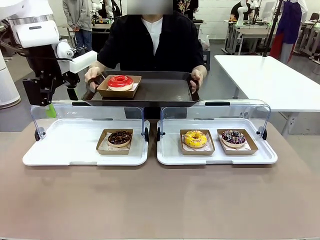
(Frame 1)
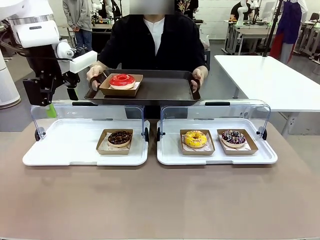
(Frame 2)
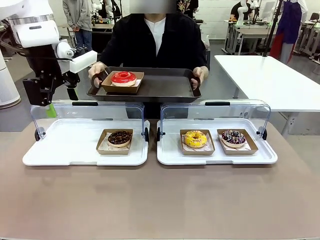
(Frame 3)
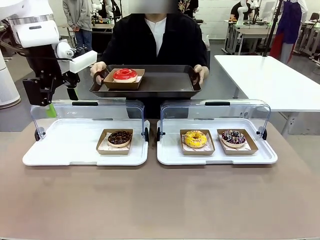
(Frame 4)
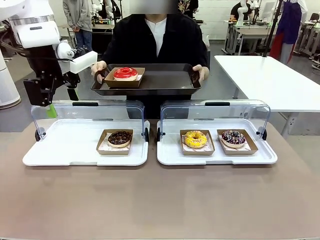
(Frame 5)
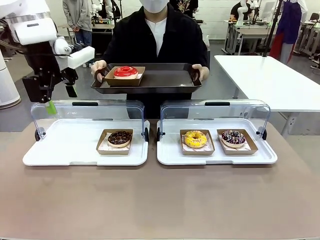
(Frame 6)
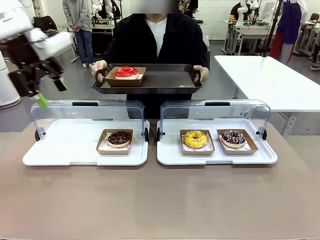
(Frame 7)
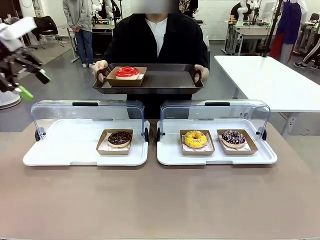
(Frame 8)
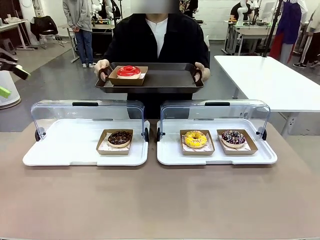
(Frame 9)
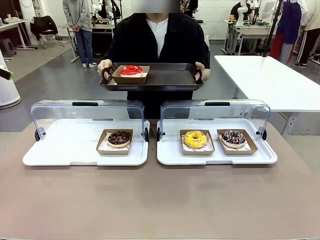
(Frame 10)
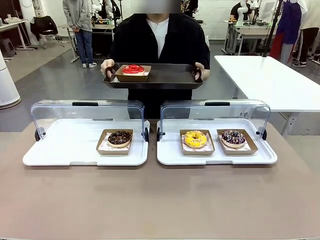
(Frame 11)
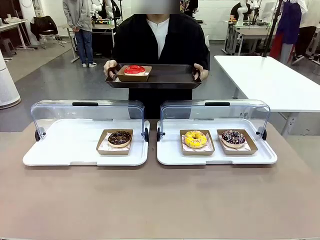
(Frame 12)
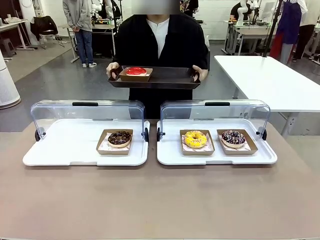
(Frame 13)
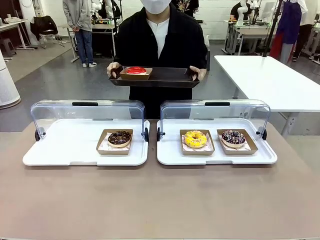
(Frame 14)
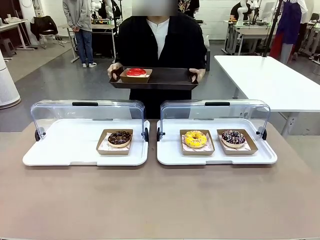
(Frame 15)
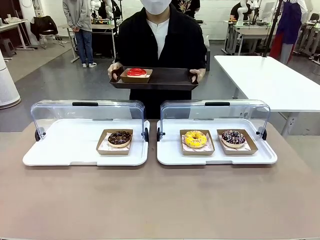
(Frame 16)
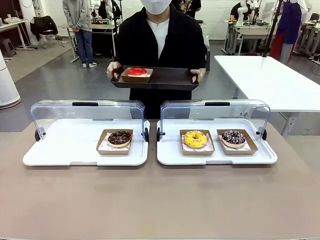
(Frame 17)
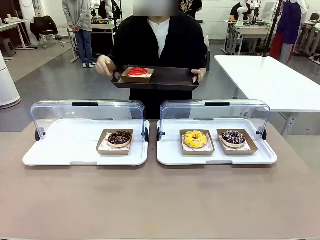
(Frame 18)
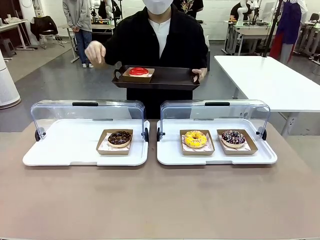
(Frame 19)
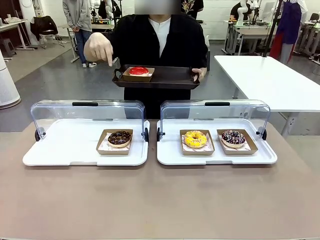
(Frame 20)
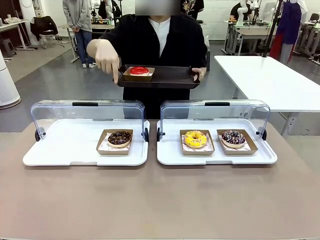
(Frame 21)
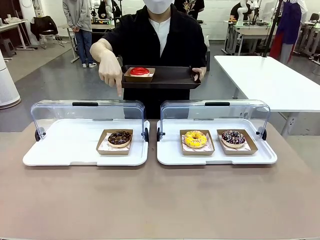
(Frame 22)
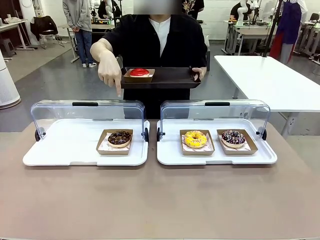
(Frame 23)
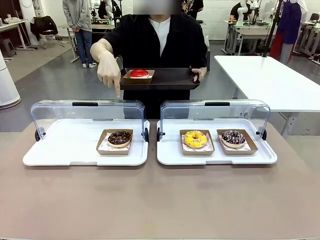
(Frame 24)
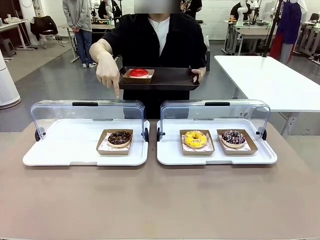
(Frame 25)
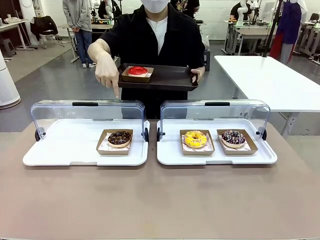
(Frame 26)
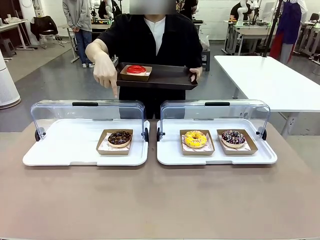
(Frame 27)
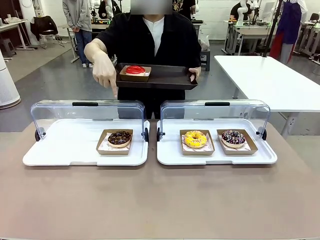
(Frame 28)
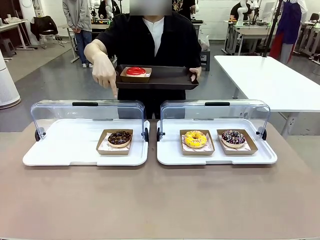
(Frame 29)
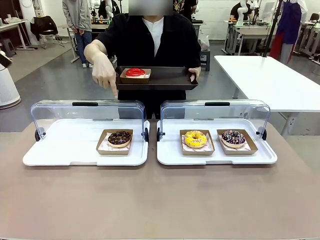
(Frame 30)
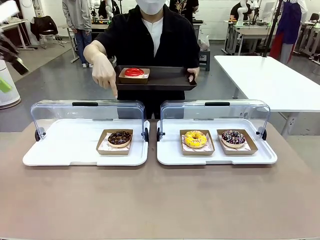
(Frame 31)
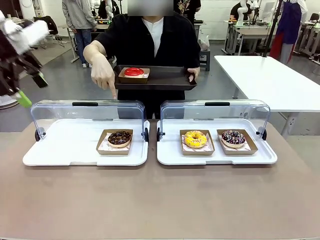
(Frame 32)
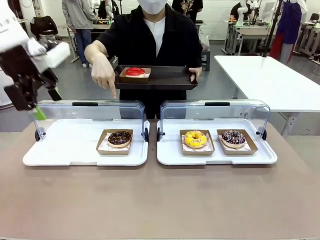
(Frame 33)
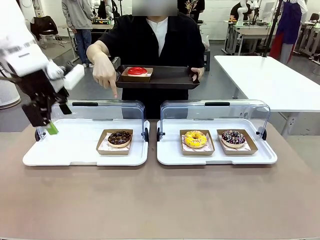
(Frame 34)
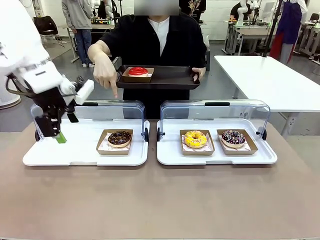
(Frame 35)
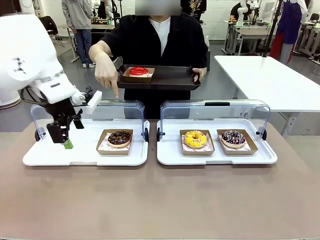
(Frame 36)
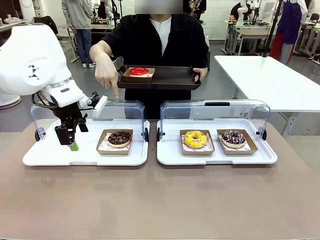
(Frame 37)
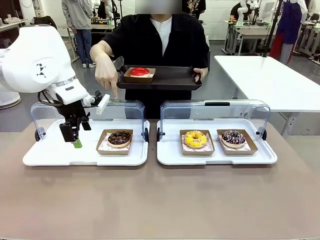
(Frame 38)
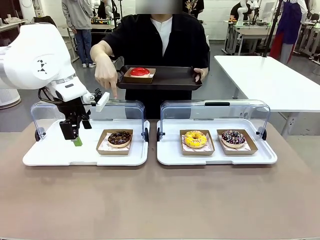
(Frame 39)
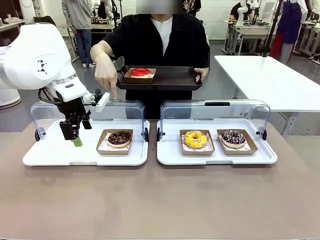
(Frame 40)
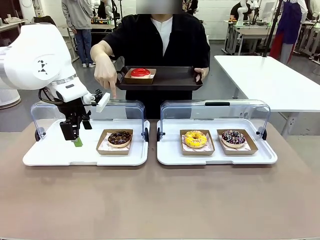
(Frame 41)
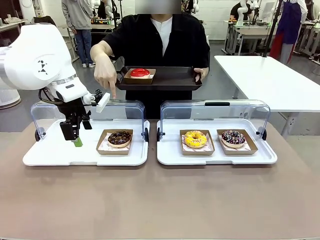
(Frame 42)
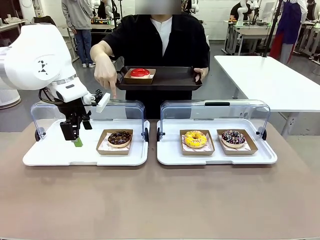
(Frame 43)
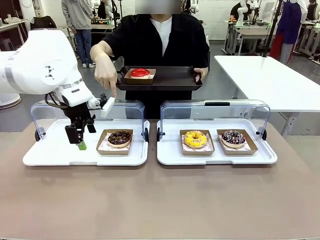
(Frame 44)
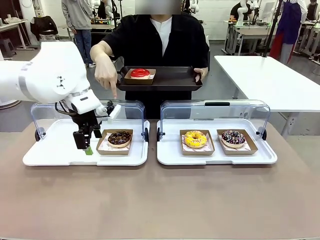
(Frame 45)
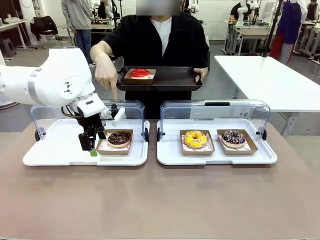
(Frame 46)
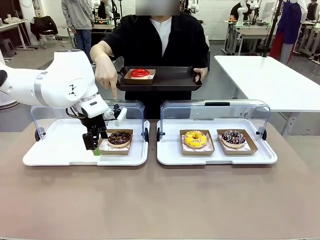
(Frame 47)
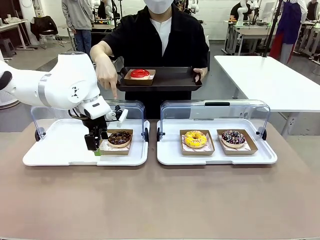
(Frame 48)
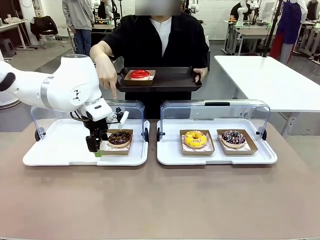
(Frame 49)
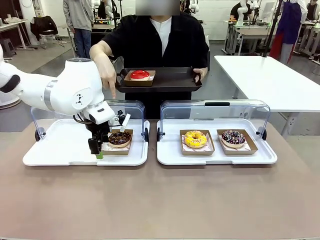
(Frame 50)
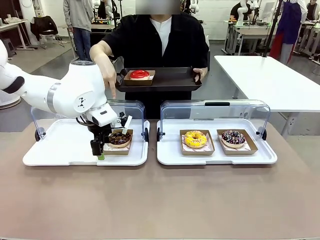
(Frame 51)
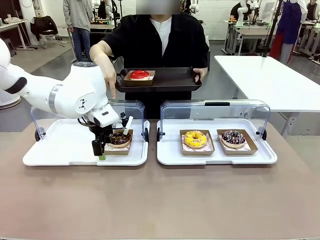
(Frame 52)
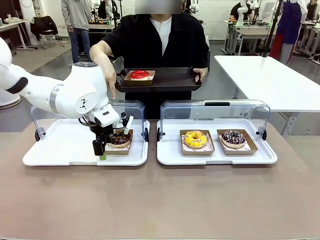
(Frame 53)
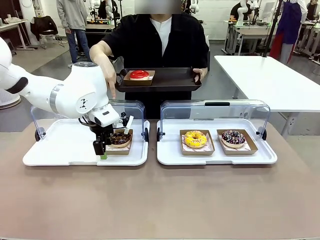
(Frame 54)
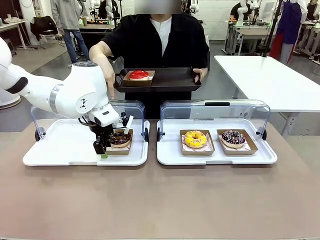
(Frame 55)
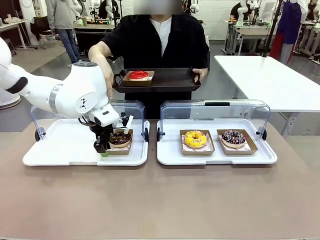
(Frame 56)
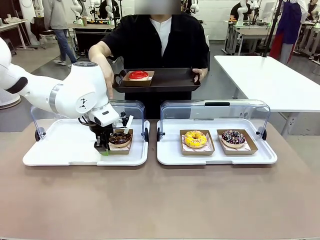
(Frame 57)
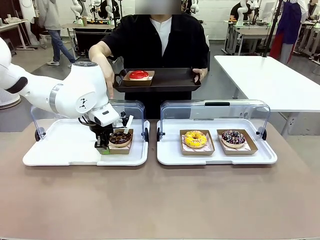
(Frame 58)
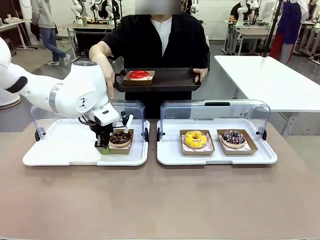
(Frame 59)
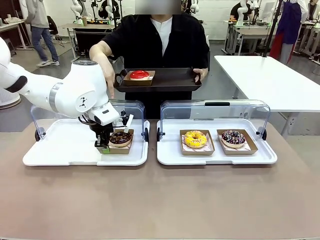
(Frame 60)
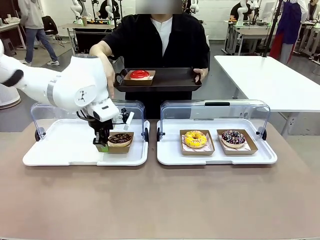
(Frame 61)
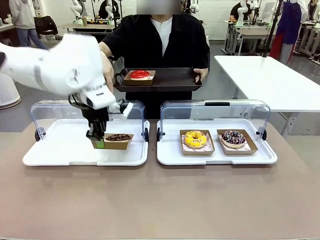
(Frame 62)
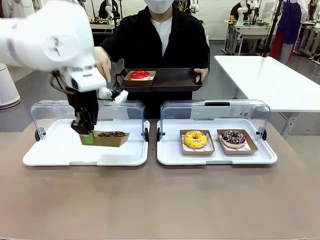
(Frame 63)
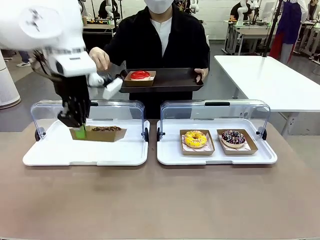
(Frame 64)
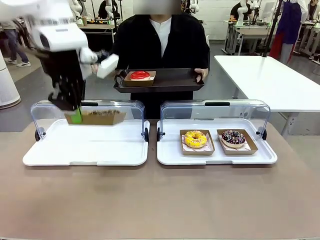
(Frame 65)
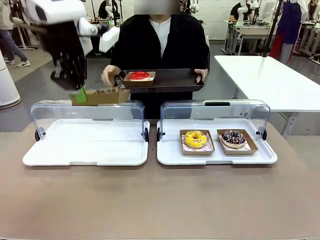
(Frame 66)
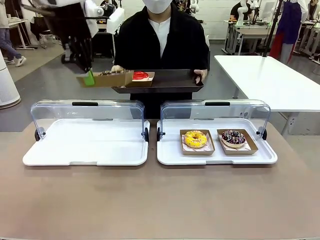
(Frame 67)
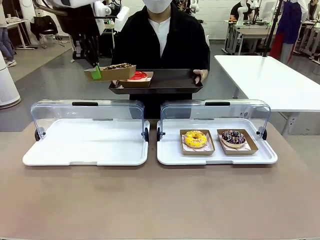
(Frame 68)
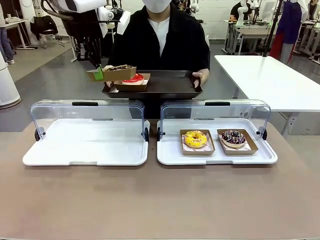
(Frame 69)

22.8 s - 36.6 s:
Task: Provide the desired donut to the person.
Robot: Pick up and lift the Paper togo box containing the Donut pointed at by the person.
Person: Point to one donut. Lift the tray onto the Roll-Top Bakery Case.

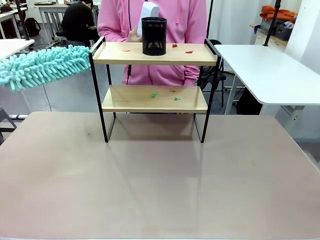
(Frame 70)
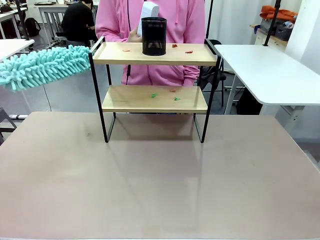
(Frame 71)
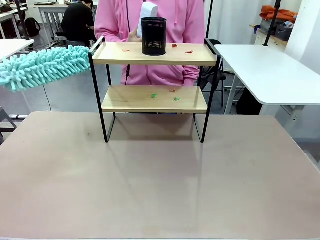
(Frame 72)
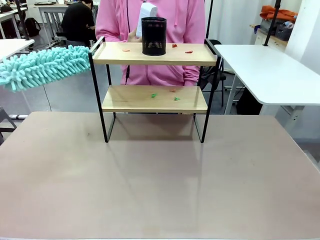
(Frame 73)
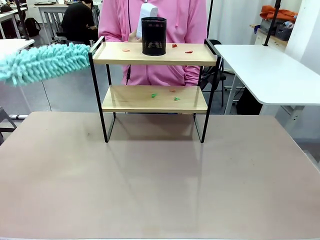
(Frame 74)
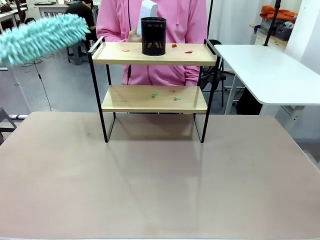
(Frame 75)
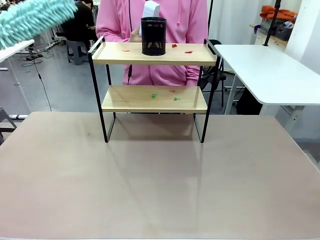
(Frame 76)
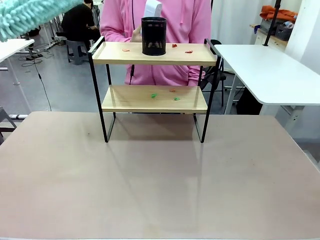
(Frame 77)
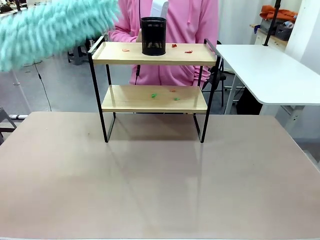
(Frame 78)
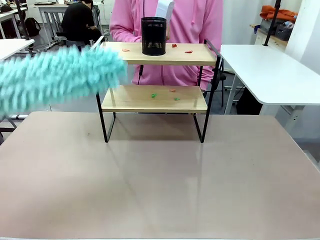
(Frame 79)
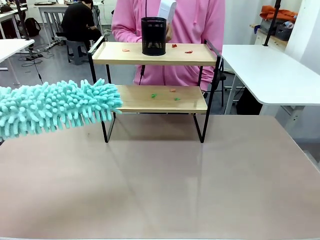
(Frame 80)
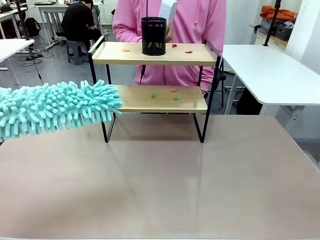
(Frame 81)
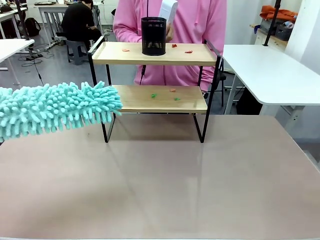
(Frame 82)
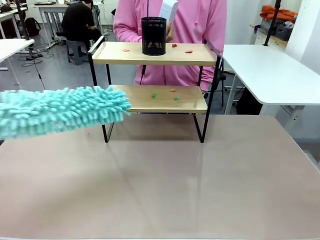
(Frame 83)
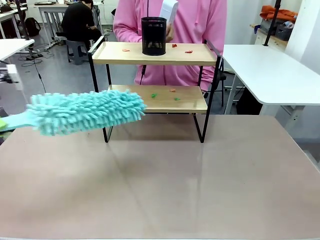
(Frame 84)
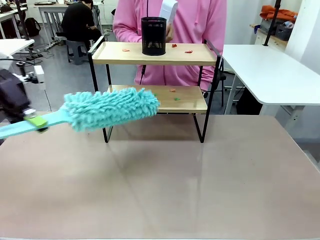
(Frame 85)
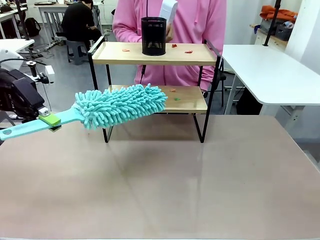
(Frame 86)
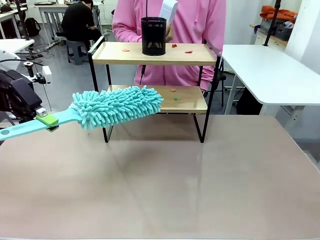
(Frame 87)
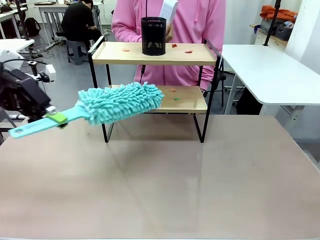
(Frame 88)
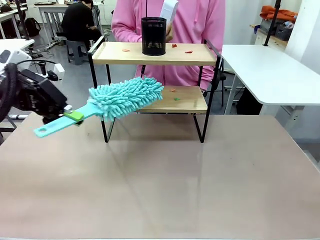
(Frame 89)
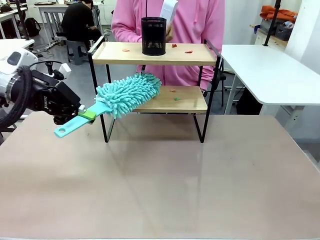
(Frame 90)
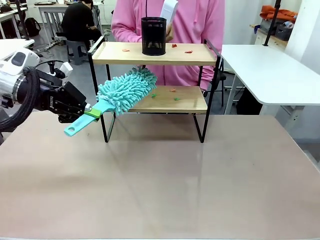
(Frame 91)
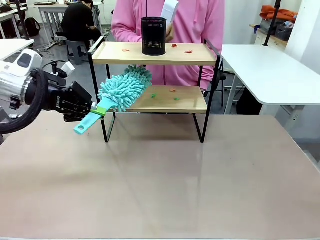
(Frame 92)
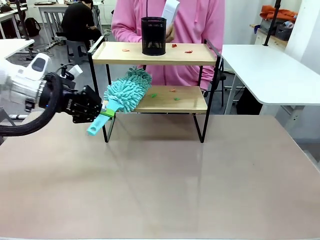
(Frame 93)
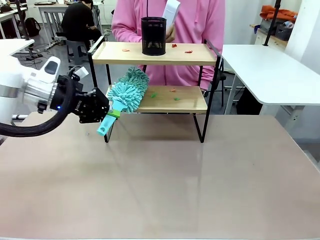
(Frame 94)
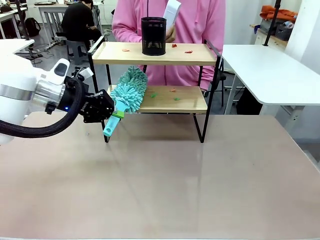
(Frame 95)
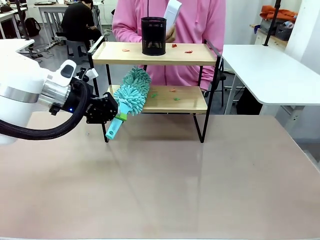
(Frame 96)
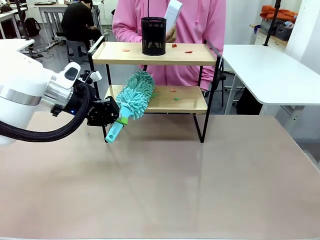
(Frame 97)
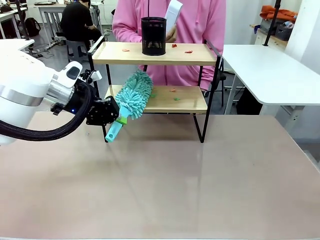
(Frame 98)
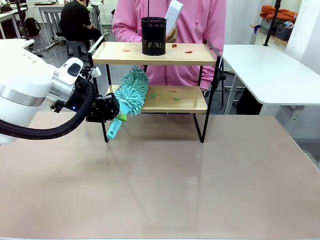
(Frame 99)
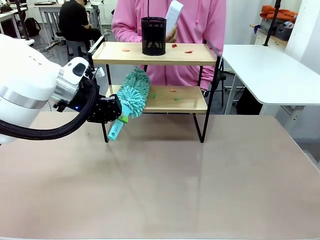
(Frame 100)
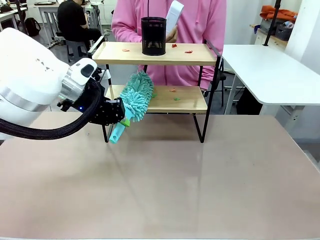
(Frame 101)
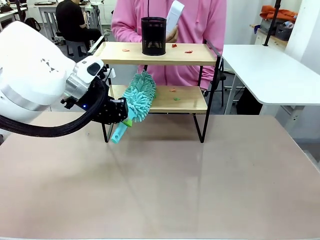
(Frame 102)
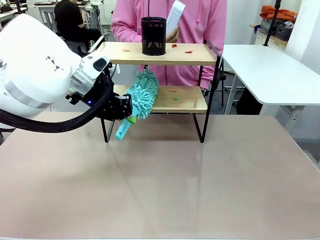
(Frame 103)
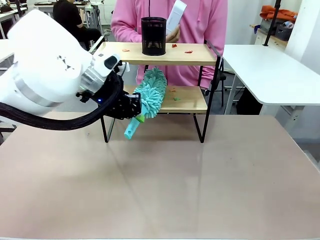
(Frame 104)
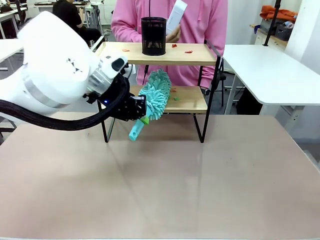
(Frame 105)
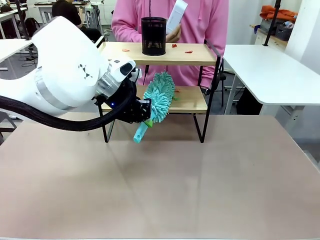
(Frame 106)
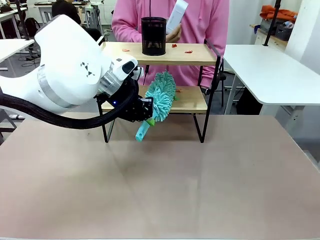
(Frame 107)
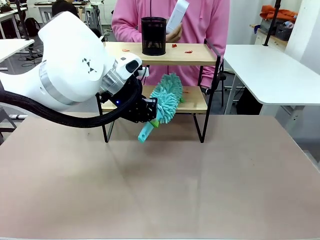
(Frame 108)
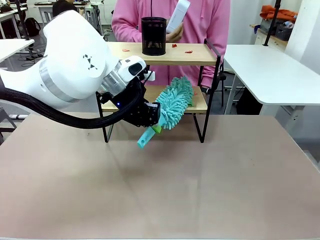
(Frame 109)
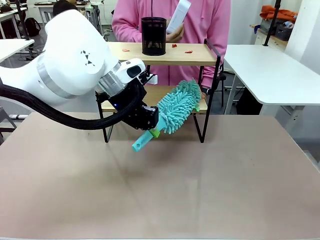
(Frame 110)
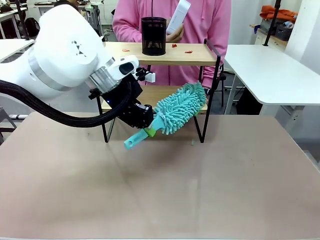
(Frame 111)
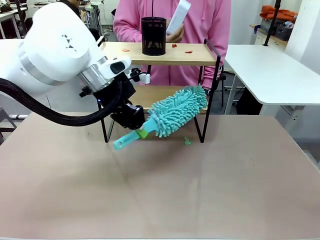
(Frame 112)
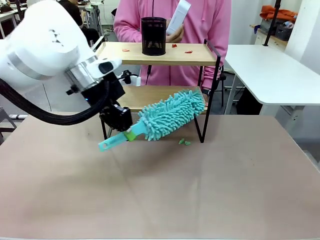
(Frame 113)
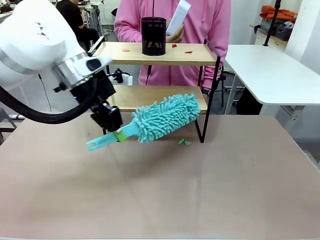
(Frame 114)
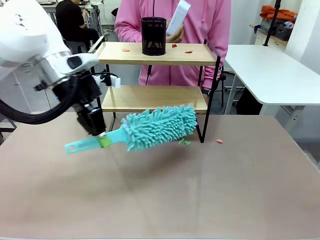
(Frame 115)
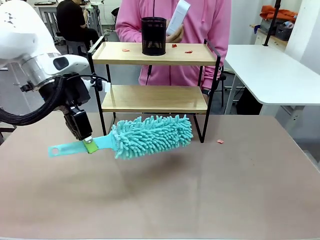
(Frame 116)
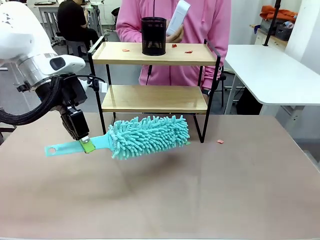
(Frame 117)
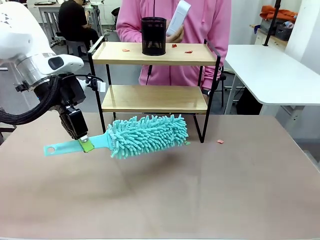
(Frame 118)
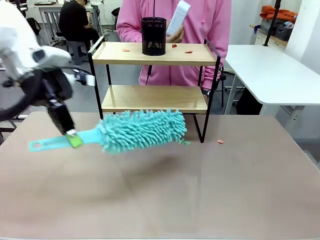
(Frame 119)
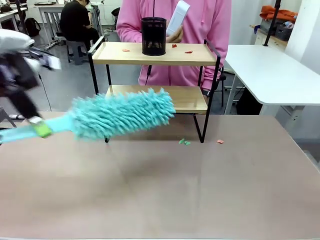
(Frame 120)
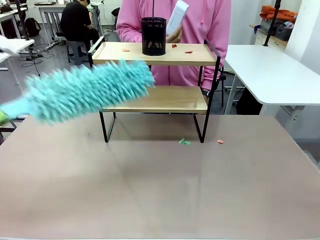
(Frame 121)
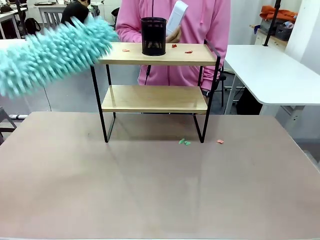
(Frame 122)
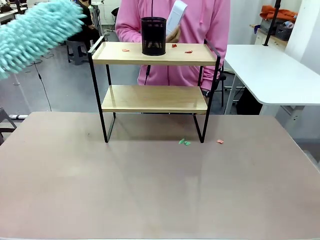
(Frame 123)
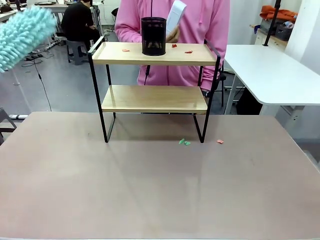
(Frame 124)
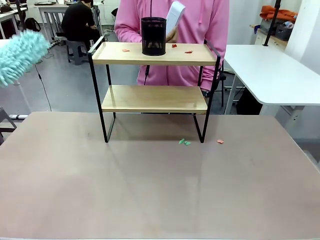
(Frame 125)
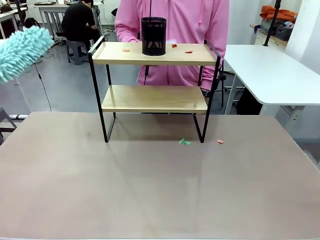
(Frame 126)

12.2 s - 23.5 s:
Task: Clean the shelf.
Robot: Clean the specific tier of the Shelf with the Duster once objects are removed.
Person: Once the robot finishes cleaning, lift the objects on the remaining tiers of the Shelf.
